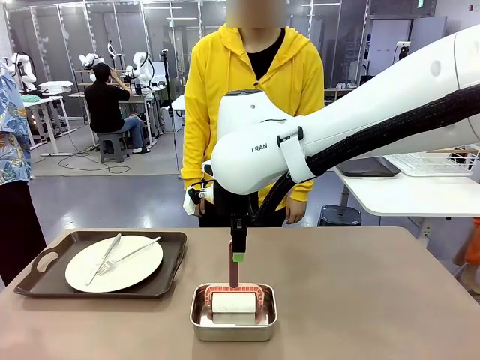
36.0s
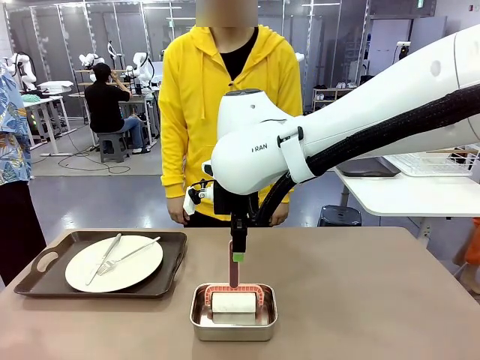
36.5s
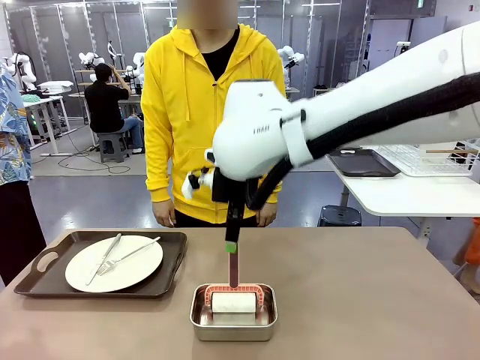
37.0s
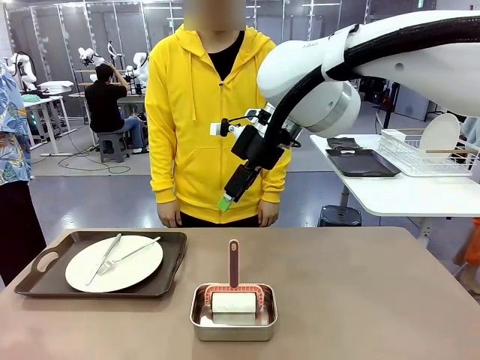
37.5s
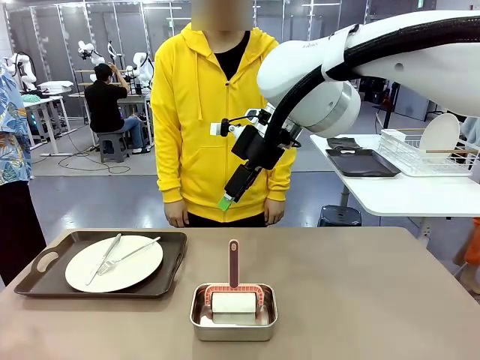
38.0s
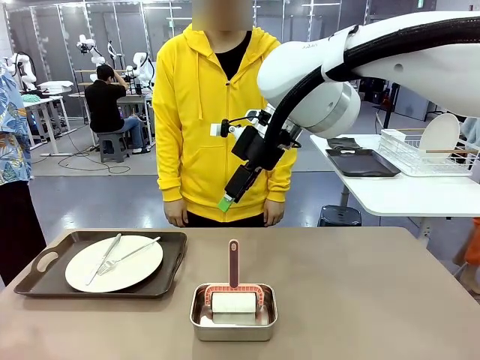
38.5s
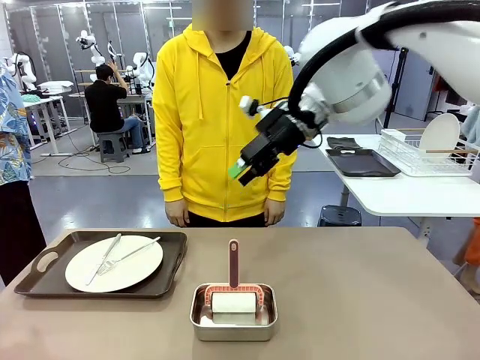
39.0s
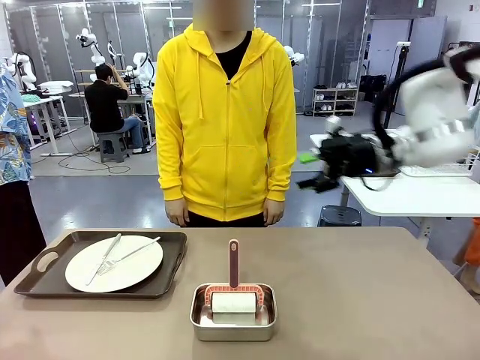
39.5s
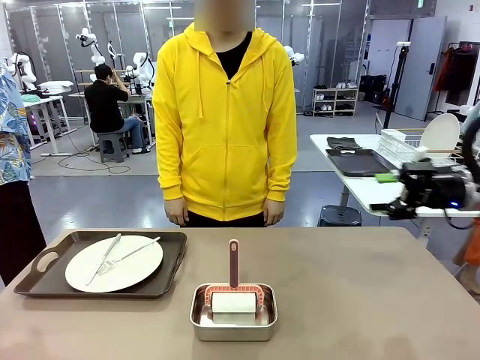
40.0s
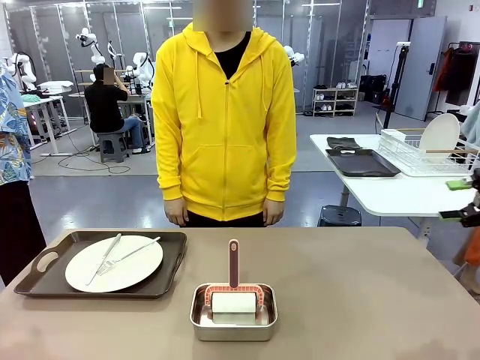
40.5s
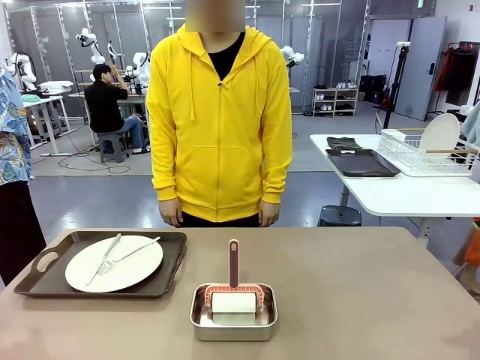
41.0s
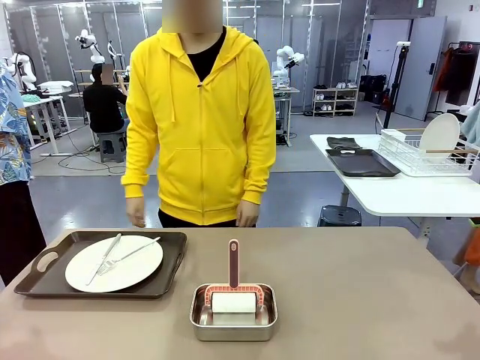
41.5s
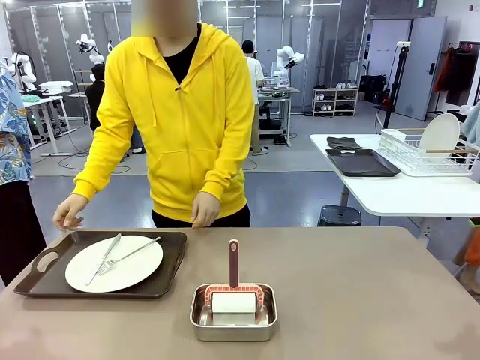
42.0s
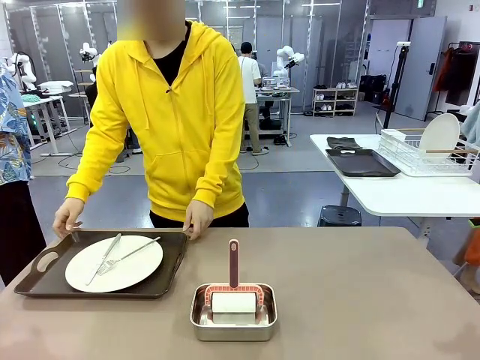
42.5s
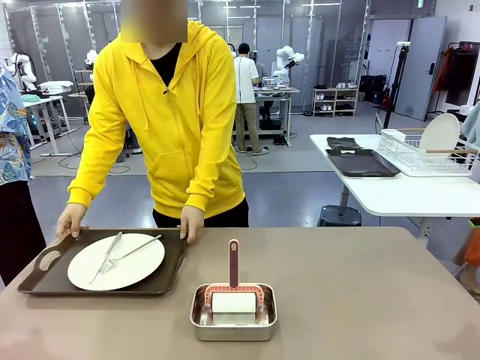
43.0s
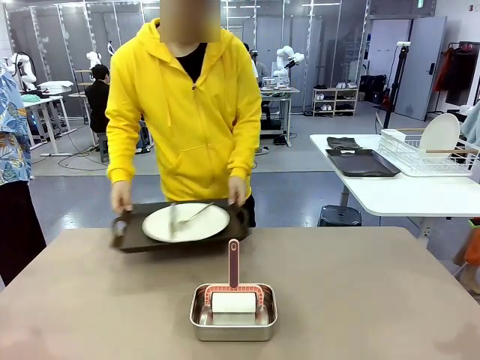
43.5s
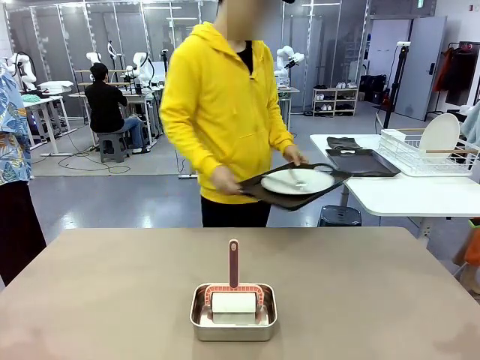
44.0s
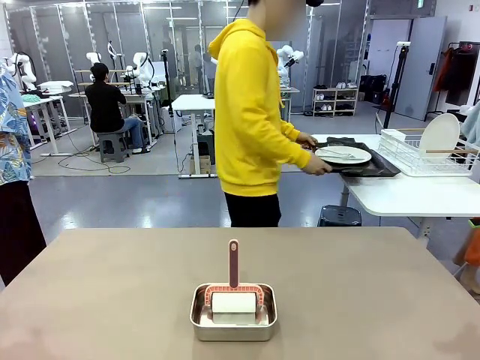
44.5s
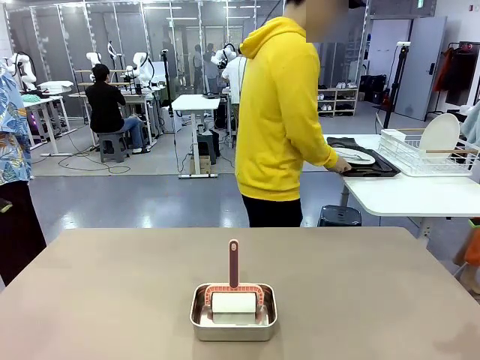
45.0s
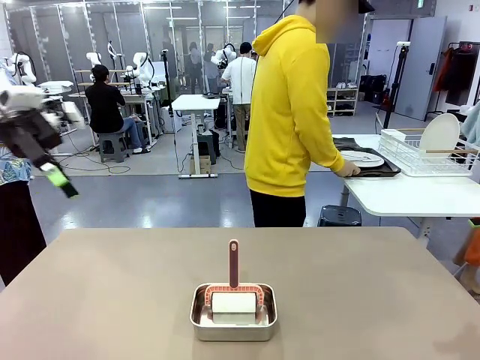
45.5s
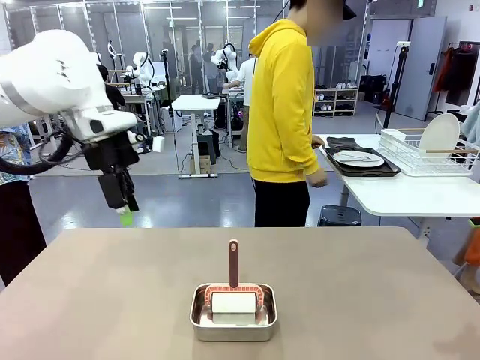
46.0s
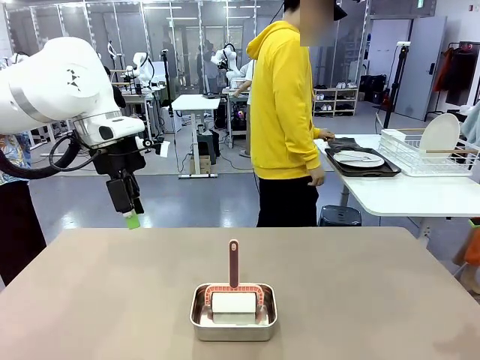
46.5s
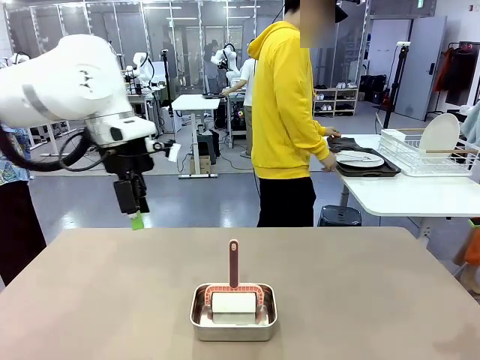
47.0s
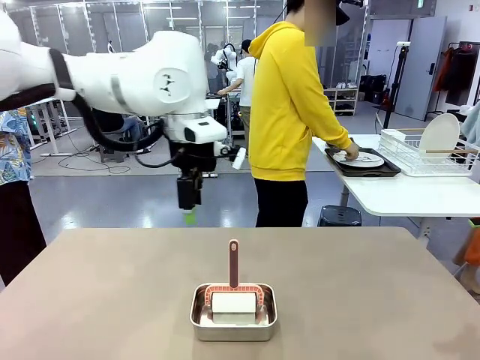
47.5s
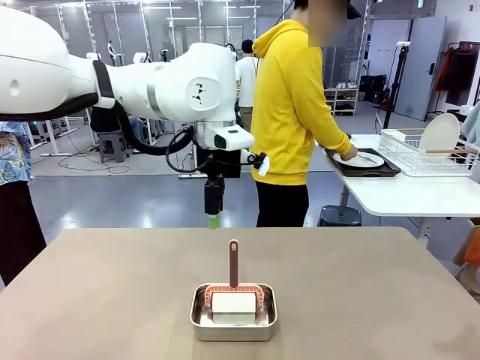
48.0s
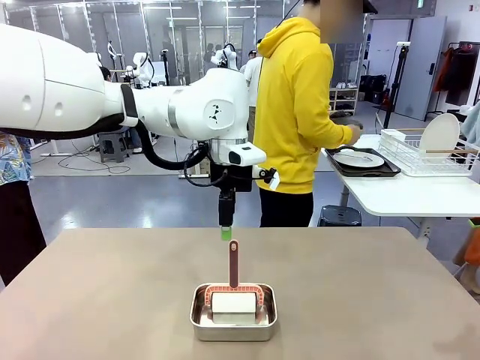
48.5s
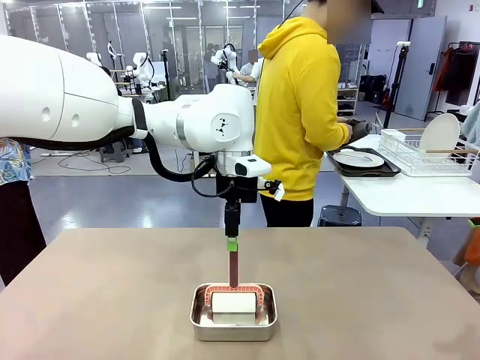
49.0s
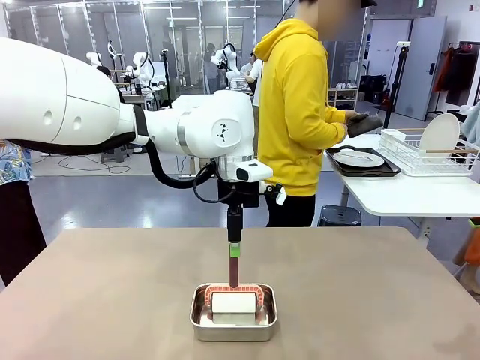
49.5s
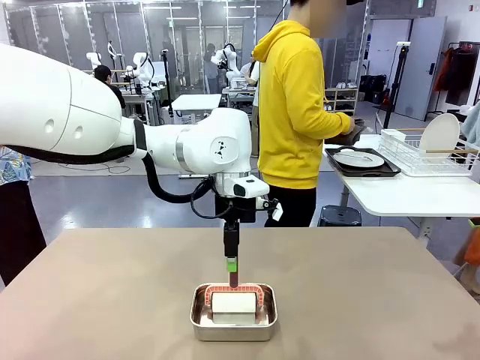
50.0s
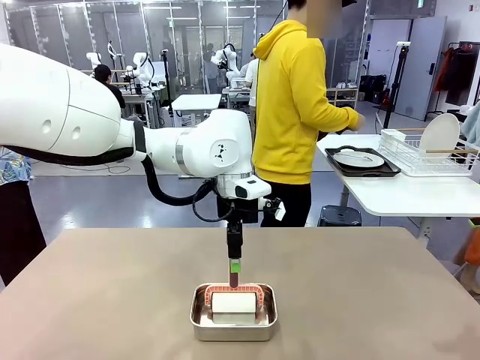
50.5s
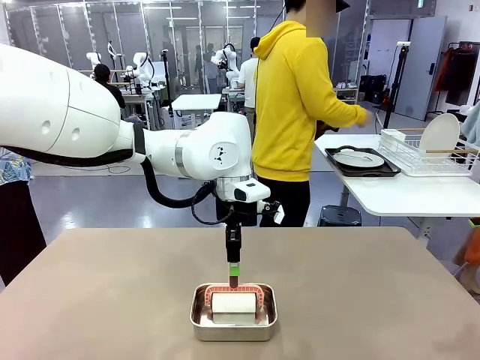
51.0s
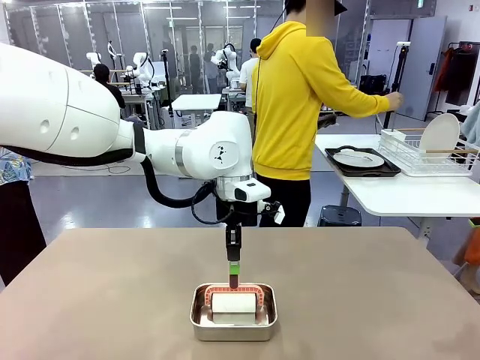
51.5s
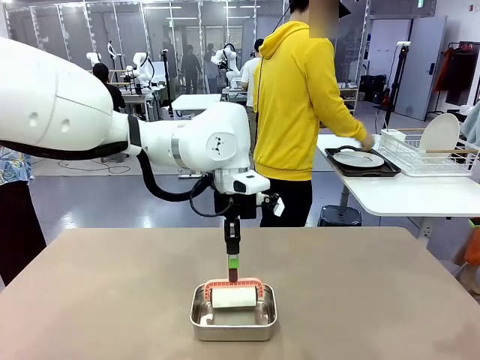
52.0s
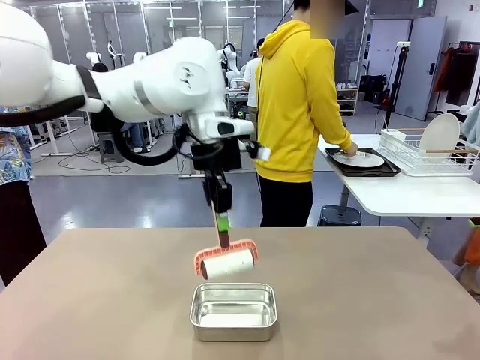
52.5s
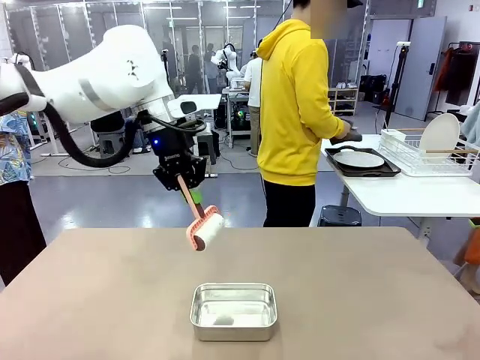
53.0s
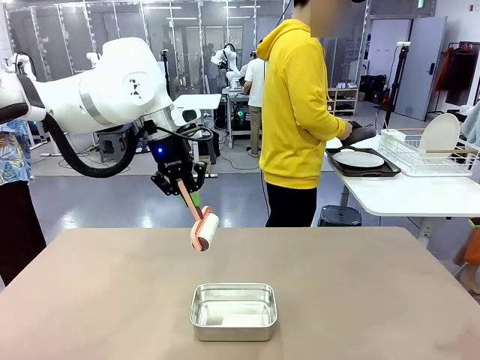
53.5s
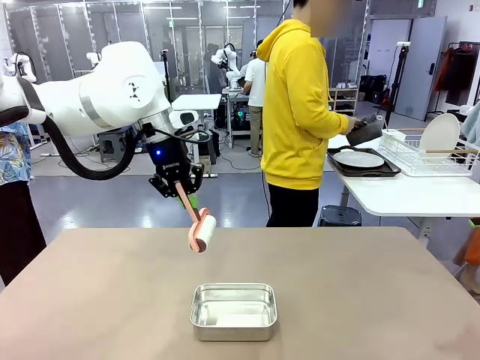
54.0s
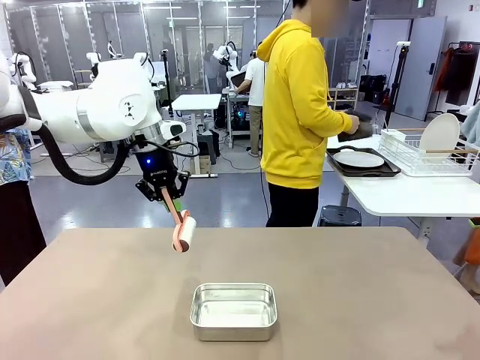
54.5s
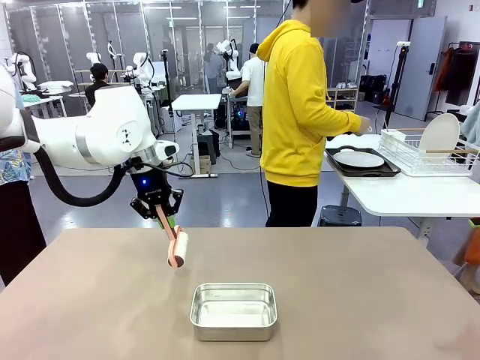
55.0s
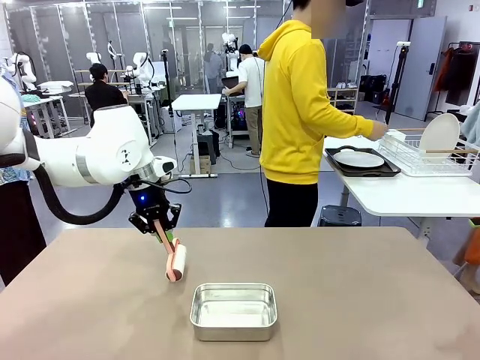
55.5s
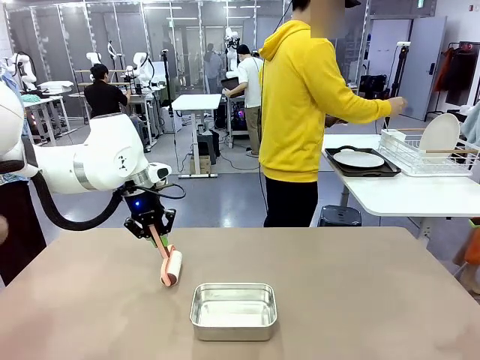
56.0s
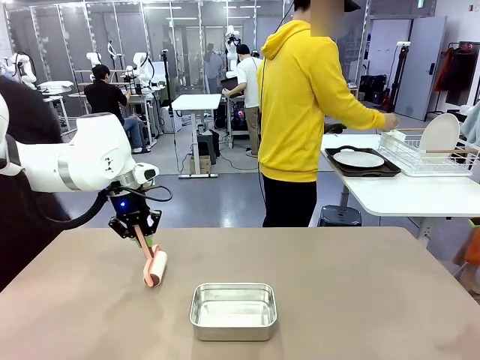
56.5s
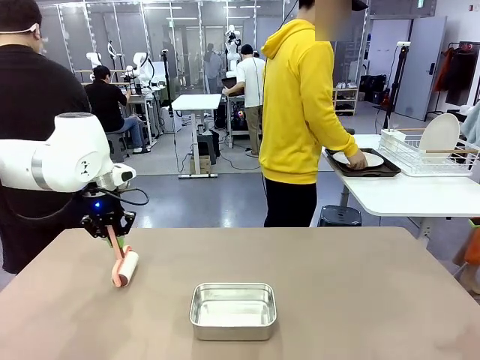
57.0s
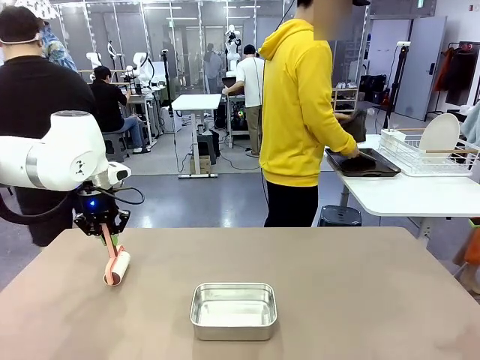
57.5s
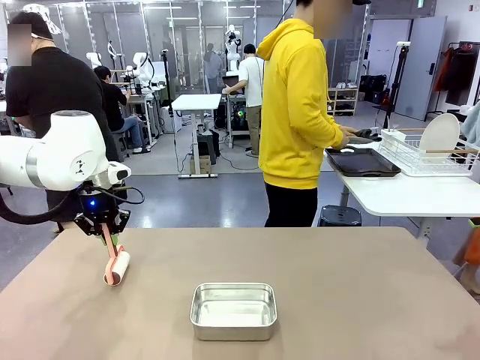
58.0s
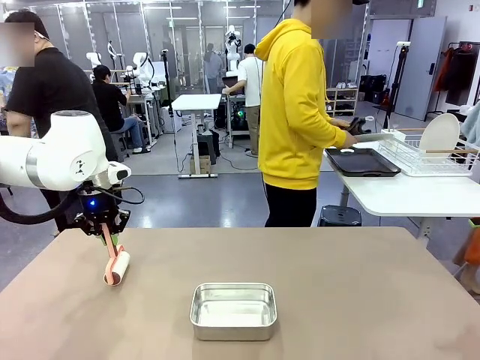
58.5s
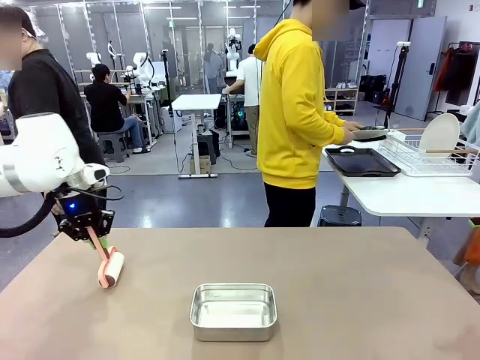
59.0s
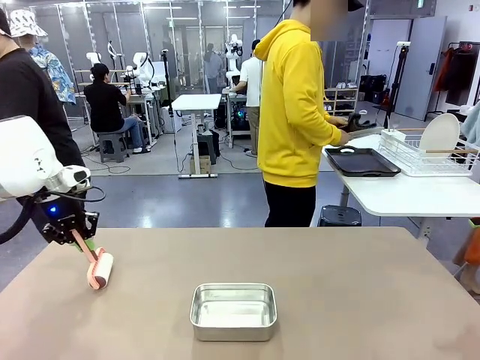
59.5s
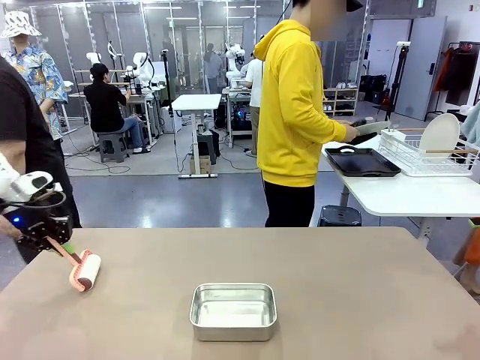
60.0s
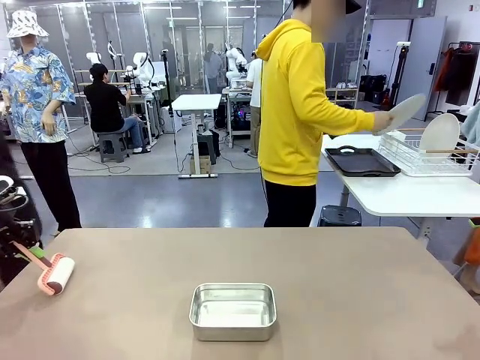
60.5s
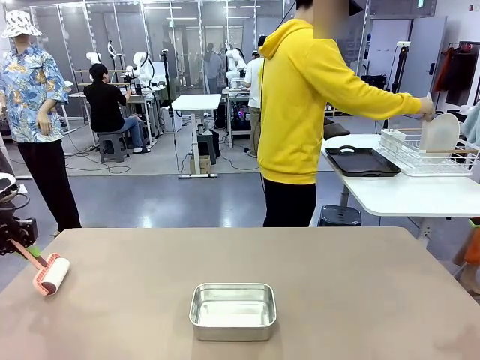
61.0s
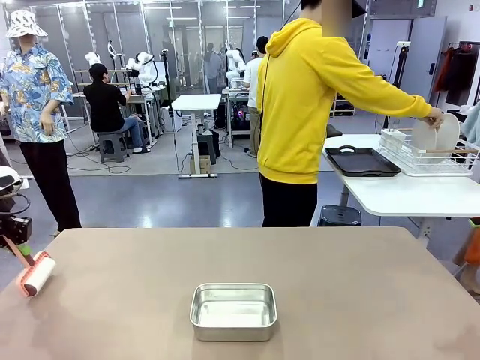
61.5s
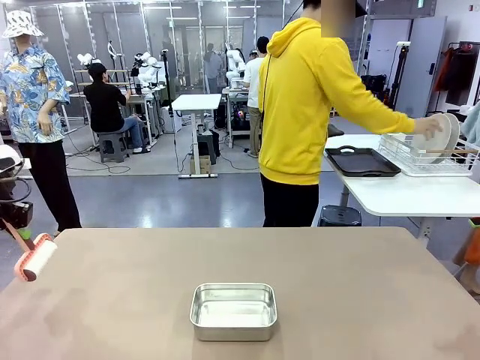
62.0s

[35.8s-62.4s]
Robot: When the right (or left) Handle tray is removed, use the right hand (or left hand) to clean the right (or left) side of the table with the Lint Roller.
Person: Pick up the left (or right) Handle tray and place it on the Handle tray. Use the Towel with hook to wipe the Plastic Matte Plate , Fork , and Knife and place into the Dish drying rack.
